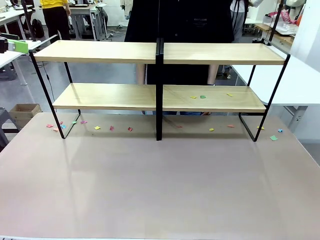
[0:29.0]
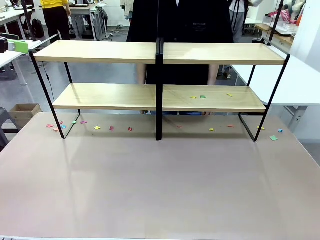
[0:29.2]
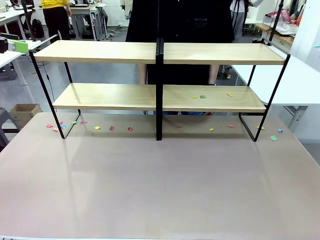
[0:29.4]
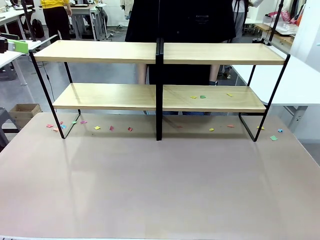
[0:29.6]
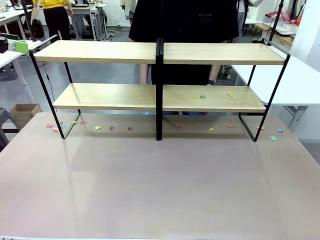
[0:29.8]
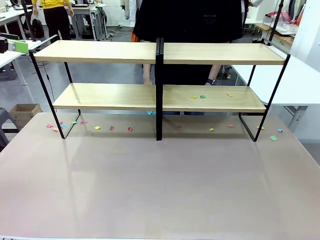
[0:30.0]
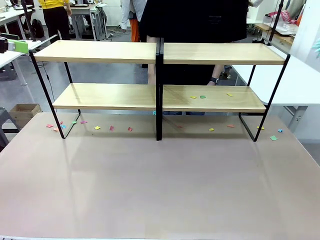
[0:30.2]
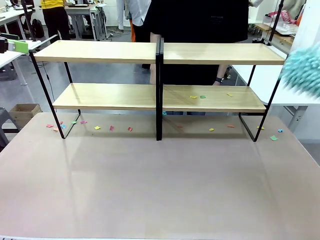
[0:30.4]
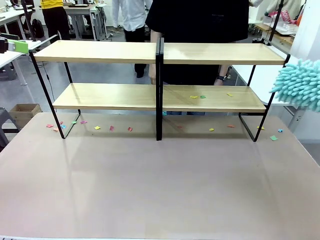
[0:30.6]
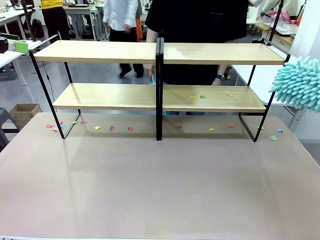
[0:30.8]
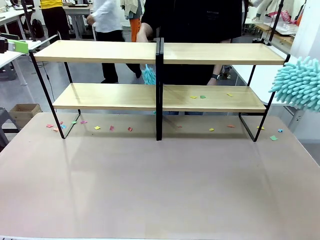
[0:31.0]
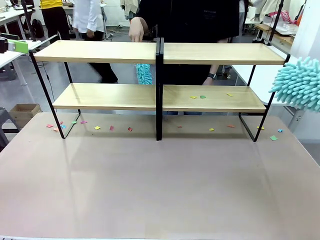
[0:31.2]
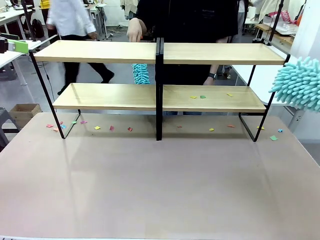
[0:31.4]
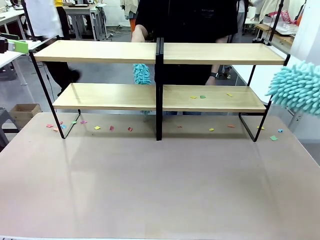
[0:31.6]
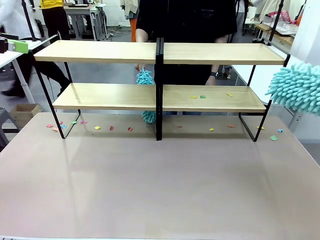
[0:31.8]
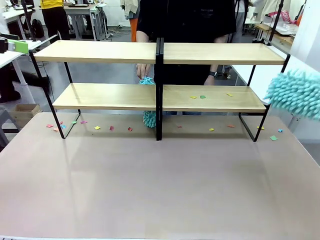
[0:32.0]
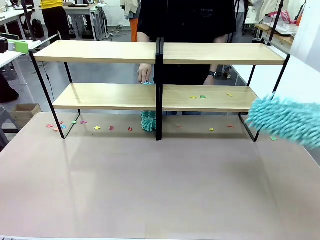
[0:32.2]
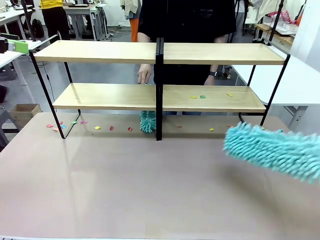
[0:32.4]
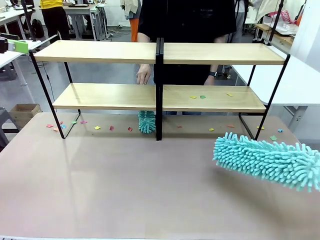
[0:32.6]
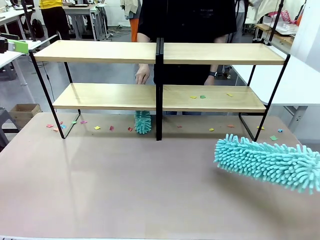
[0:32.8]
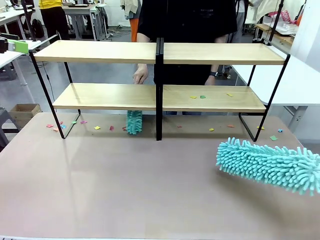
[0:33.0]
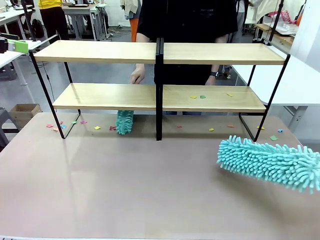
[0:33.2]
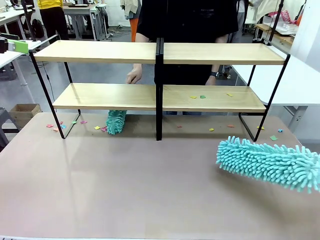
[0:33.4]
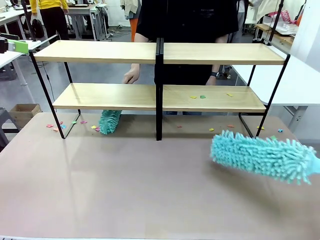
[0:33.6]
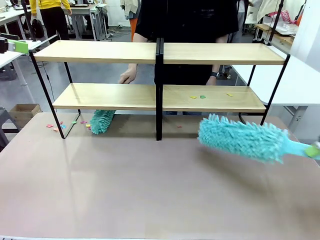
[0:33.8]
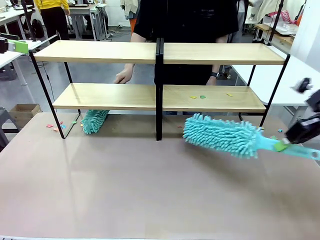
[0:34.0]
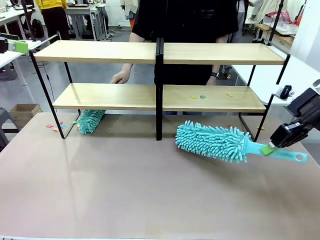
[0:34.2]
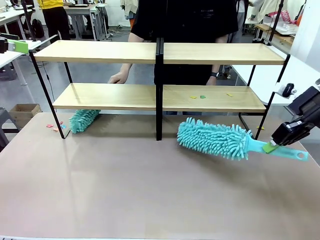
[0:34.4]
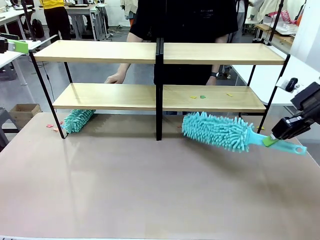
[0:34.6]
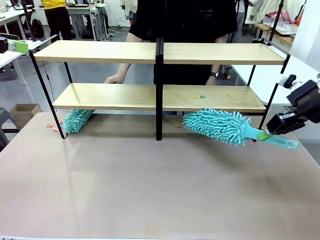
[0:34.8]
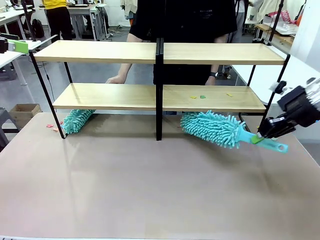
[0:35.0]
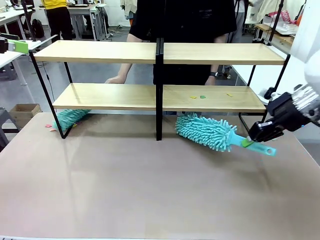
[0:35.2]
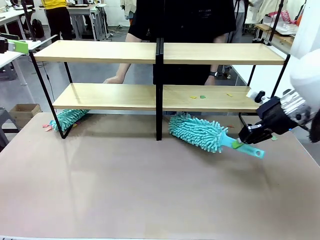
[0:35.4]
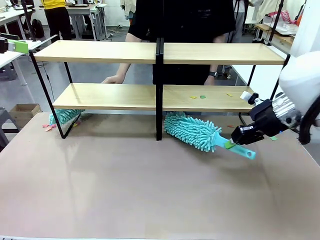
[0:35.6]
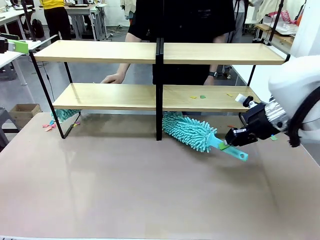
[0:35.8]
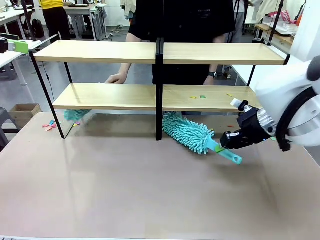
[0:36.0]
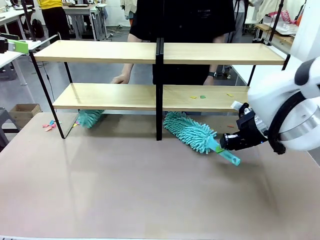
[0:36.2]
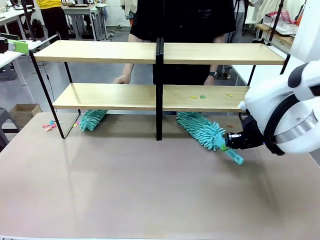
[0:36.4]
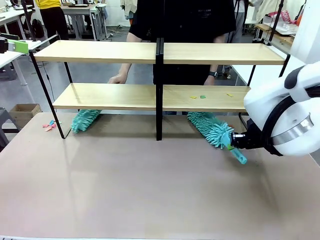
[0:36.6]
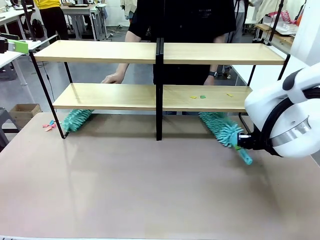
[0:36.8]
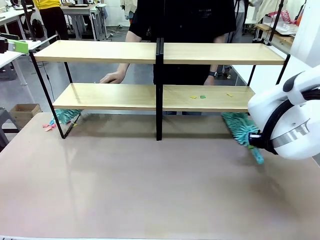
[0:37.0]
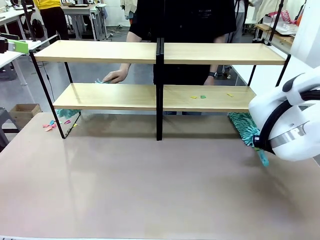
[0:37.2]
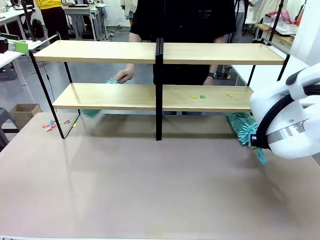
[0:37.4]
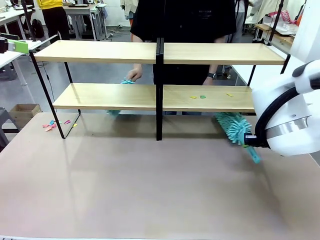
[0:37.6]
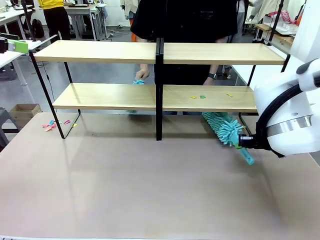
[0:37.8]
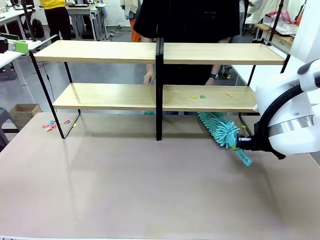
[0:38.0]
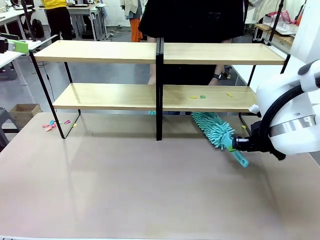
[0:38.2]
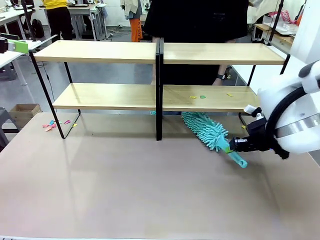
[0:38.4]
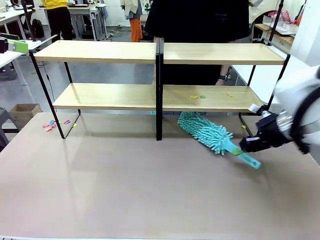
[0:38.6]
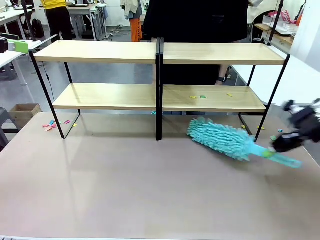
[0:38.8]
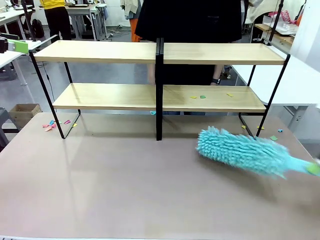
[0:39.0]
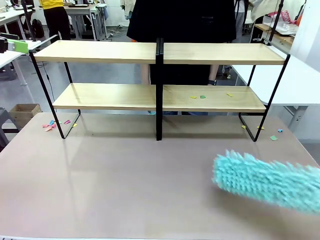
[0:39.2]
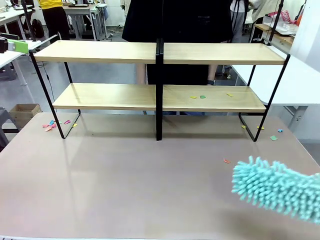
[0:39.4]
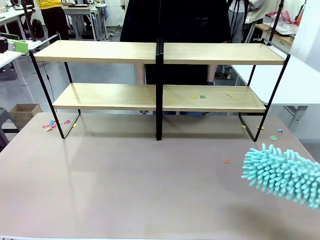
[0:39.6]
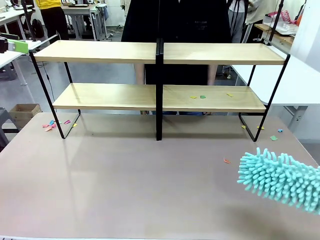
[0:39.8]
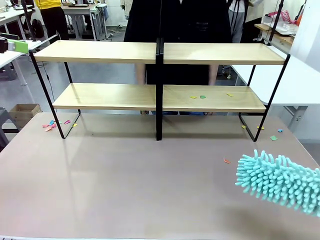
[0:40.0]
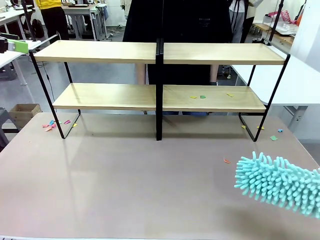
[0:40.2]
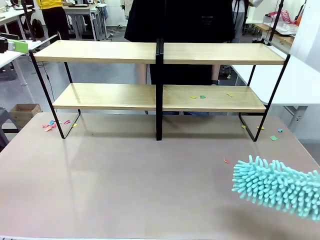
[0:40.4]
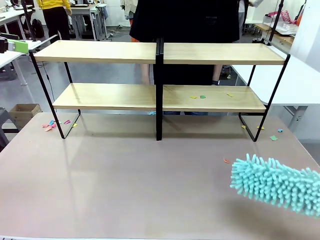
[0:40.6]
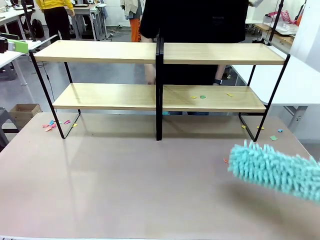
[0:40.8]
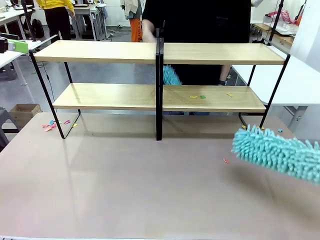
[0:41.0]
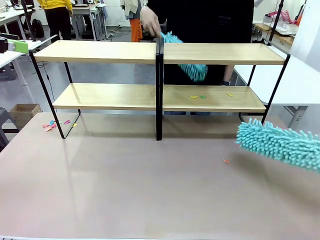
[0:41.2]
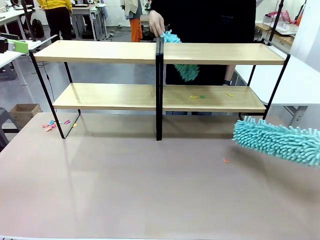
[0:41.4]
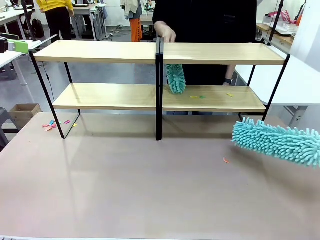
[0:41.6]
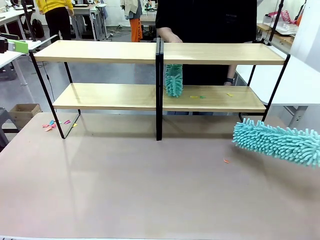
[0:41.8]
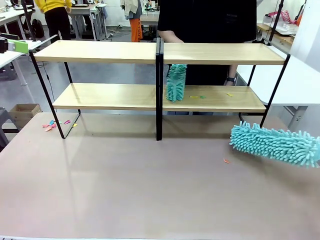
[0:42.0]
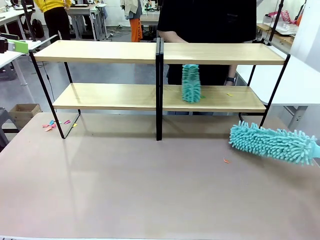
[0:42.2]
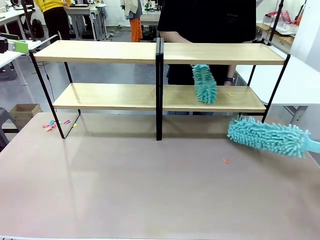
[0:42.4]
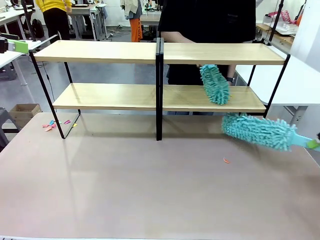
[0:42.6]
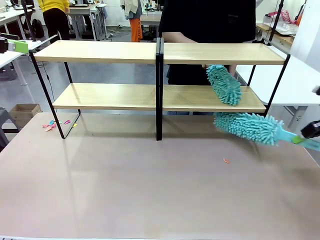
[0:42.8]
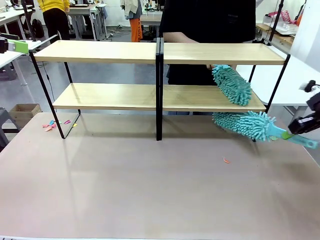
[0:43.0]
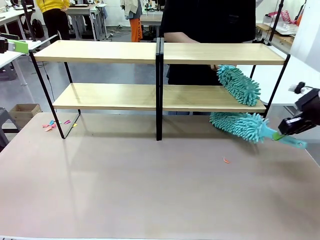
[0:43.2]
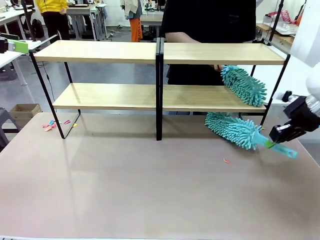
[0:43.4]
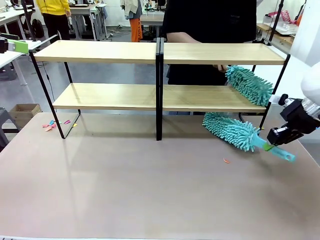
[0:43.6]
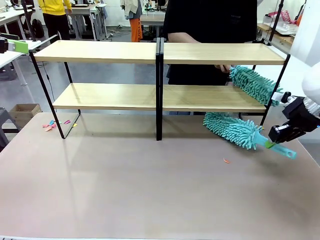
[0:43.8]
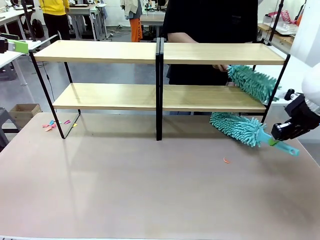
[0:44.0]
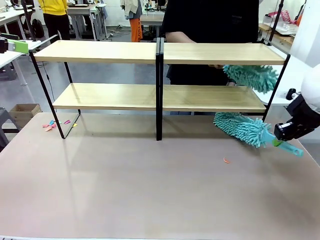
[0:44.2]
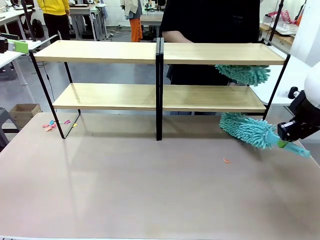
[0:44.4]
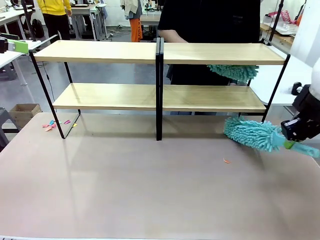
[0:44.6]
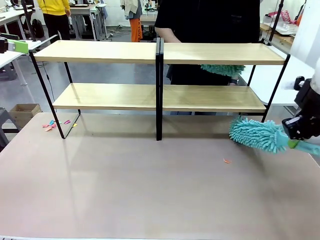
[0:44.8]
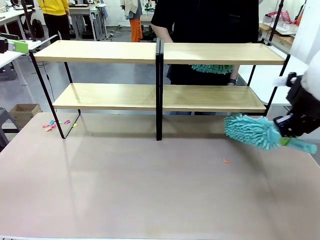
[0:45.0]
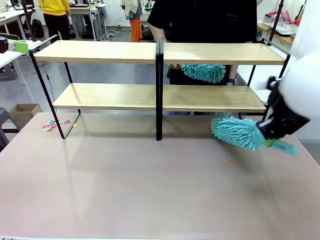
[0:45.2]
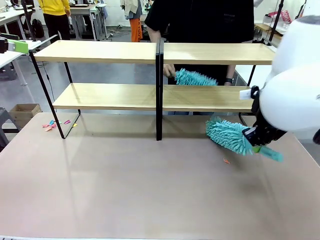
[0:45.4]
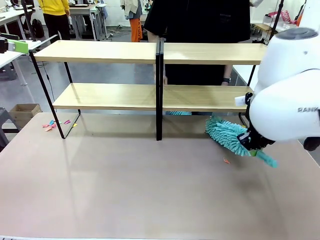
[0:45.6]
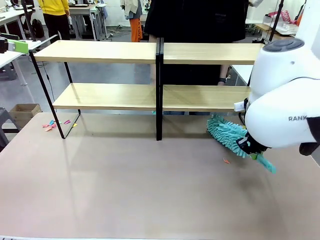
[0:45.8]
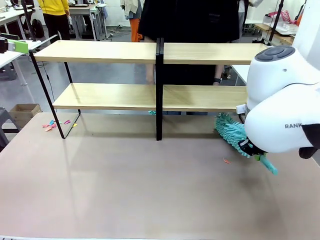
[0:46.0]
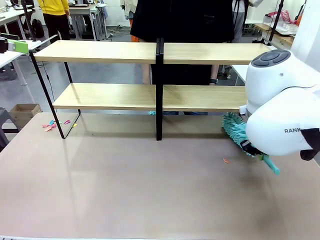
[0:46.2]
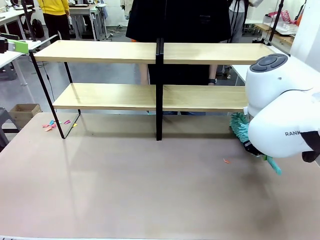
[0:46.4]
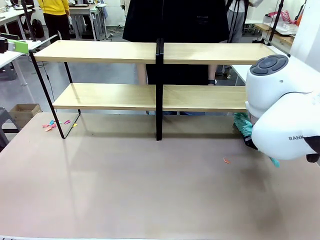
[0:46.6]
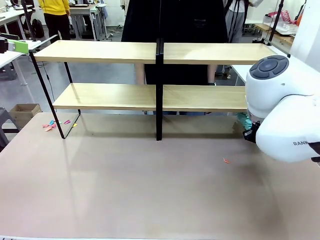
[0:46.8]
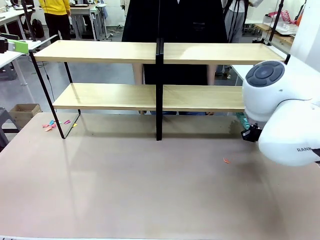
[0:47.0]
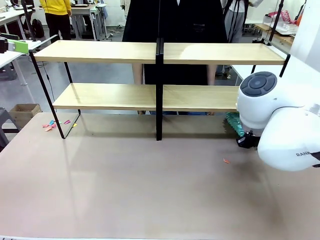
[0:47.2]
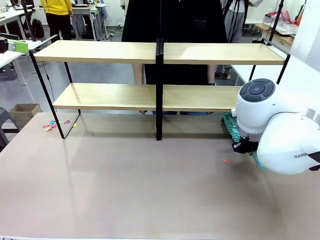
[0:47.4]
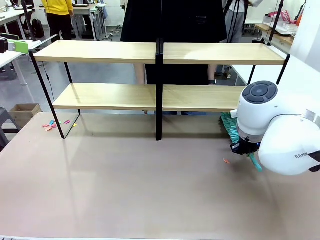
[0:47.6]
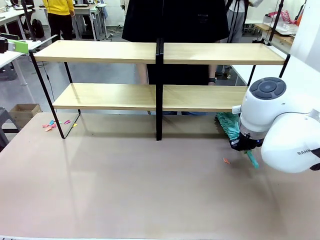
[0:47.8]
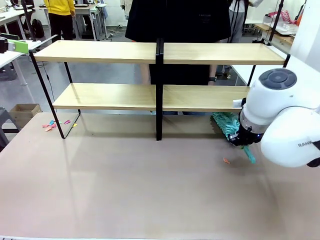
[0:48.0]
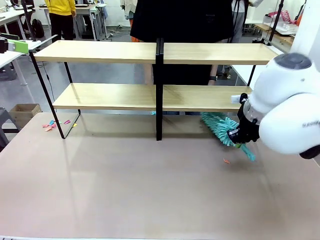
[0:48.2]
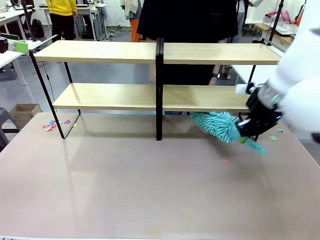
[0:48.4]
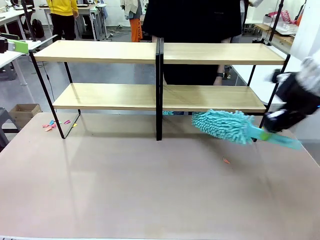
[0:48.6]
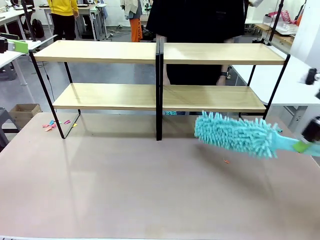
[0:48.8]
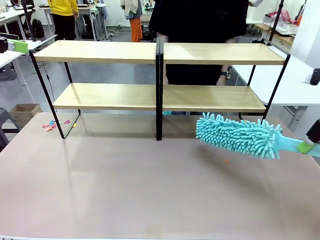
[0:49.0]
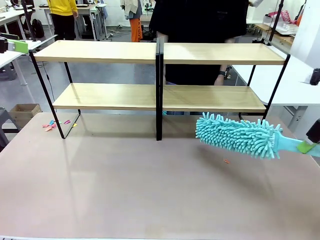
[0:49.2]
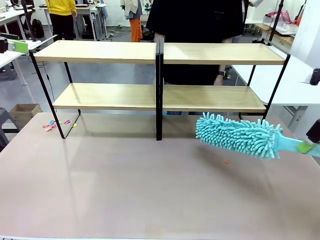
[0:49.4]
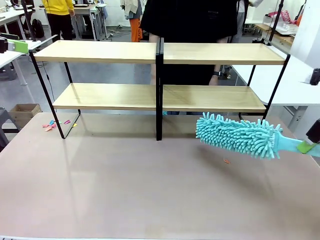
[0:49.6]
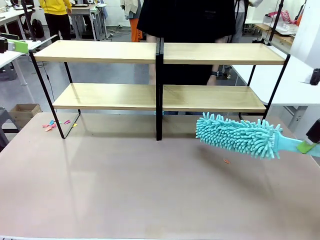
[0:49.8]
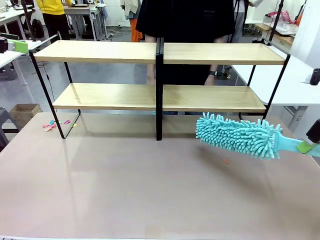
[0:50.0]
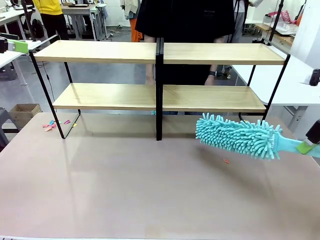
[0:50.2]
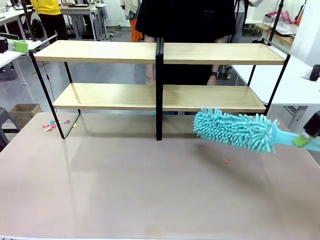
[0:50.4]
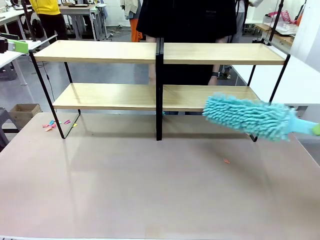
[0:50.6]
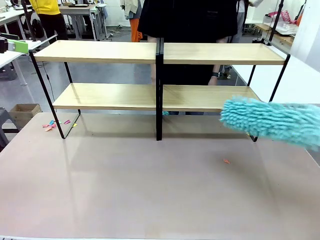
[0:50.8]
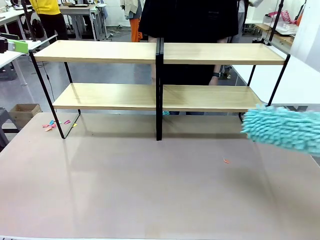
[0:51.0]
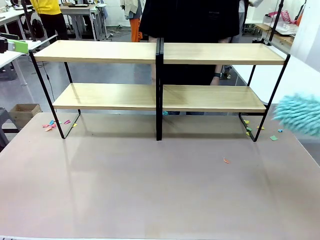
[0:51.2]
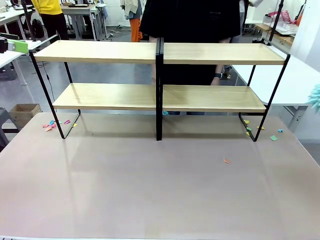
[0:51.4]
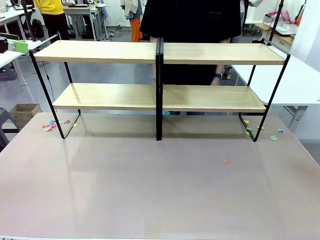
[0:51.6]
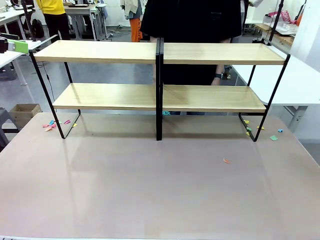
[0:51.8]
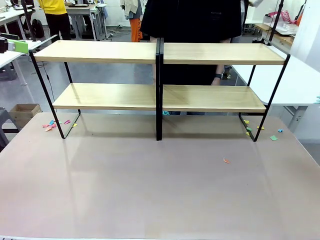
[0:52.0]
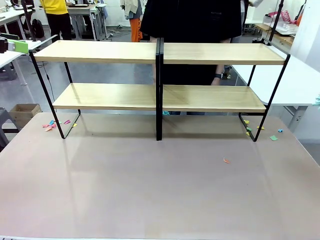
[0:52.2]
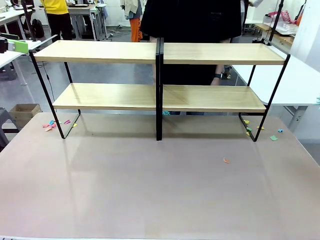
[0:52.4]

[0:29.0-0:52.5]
Task: Clean the shelves.
Robot: Clean another randomly selected level of the Shelf with the Duster.
Person: Clean a randomly selected level of the Shelf with the Duster.
